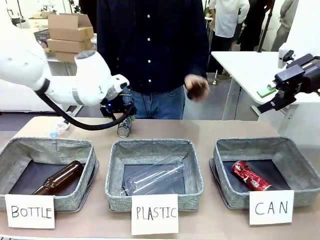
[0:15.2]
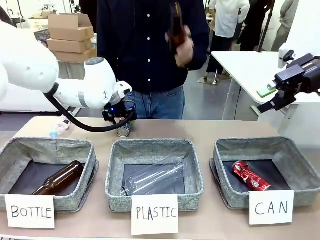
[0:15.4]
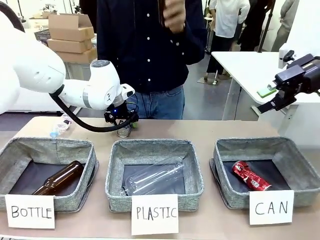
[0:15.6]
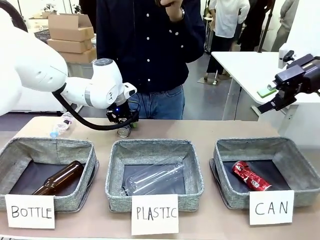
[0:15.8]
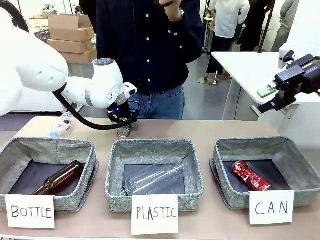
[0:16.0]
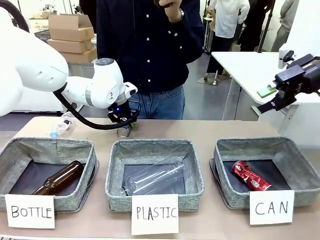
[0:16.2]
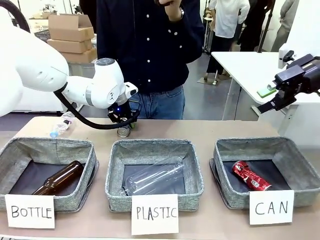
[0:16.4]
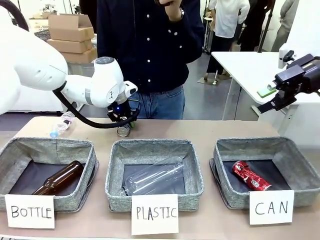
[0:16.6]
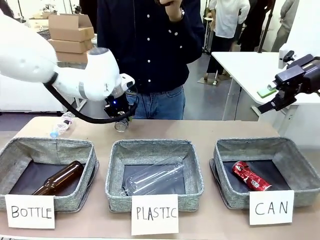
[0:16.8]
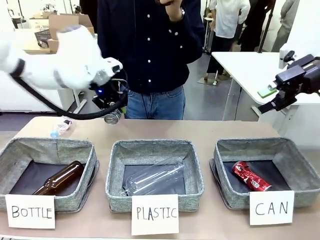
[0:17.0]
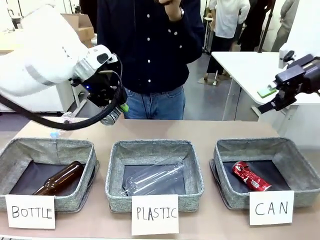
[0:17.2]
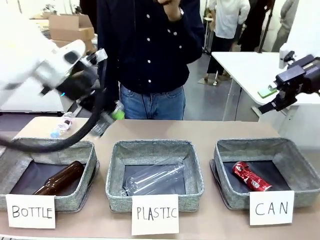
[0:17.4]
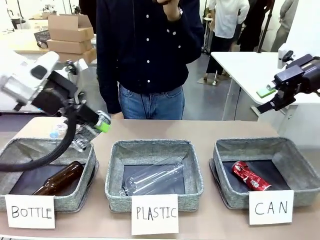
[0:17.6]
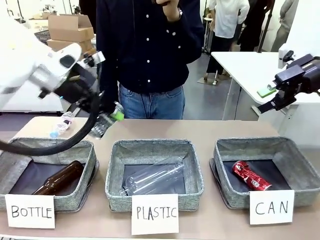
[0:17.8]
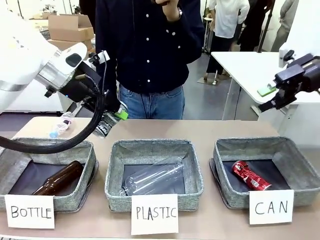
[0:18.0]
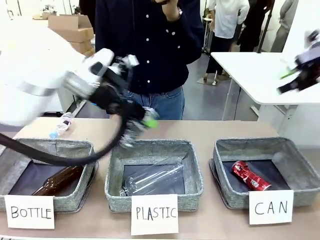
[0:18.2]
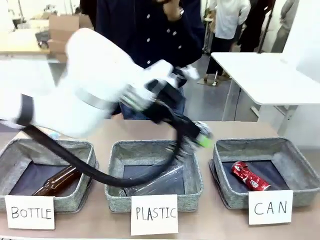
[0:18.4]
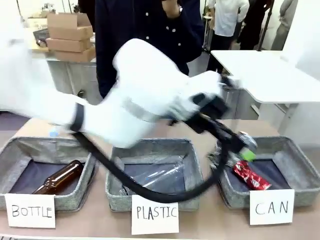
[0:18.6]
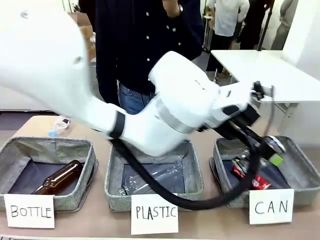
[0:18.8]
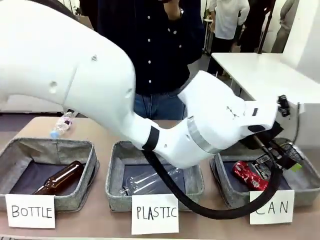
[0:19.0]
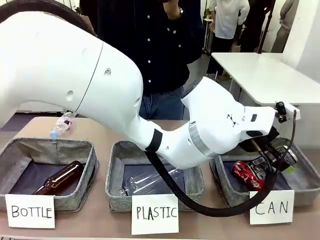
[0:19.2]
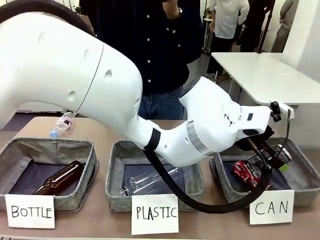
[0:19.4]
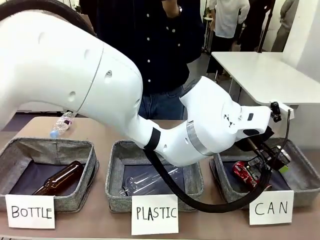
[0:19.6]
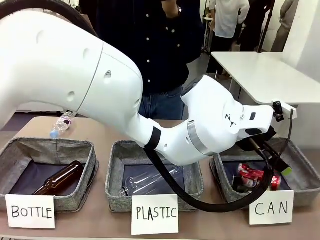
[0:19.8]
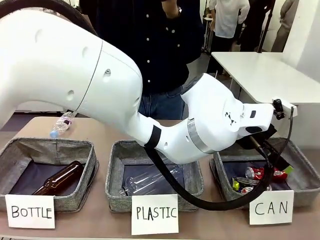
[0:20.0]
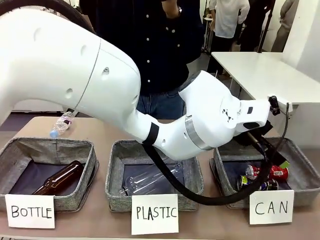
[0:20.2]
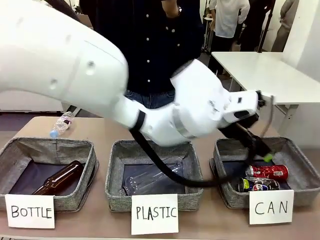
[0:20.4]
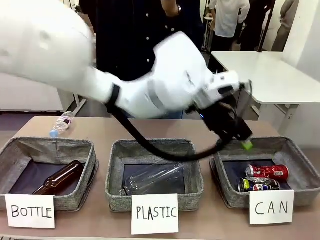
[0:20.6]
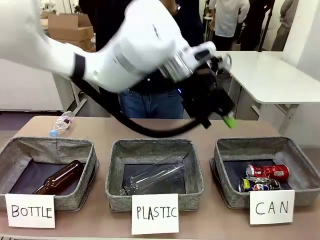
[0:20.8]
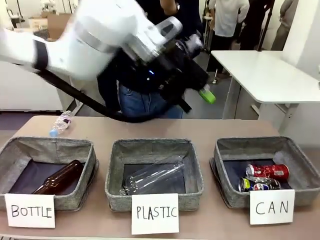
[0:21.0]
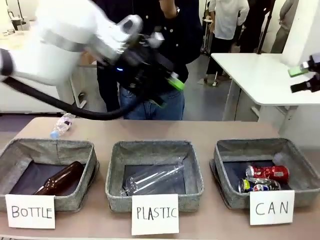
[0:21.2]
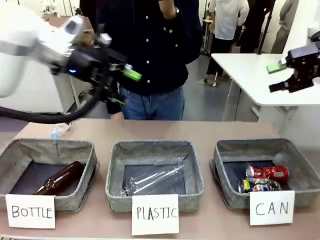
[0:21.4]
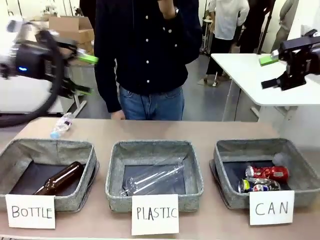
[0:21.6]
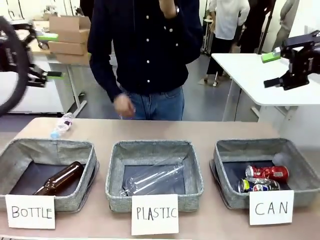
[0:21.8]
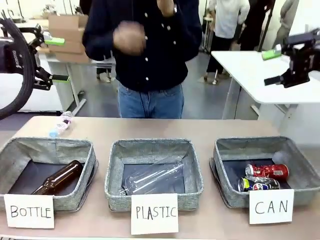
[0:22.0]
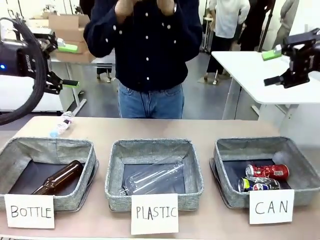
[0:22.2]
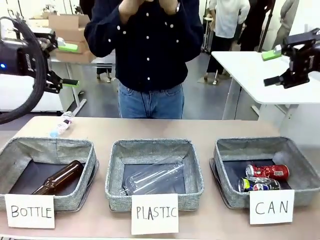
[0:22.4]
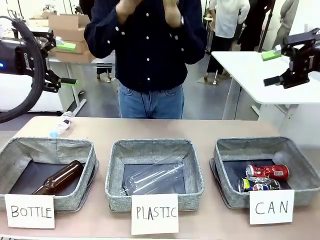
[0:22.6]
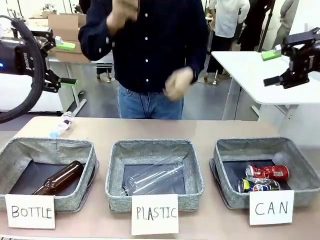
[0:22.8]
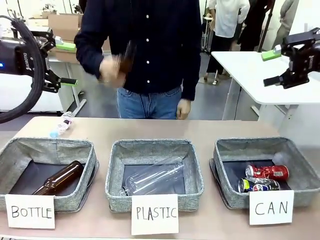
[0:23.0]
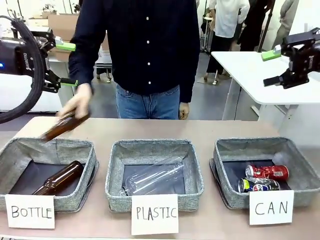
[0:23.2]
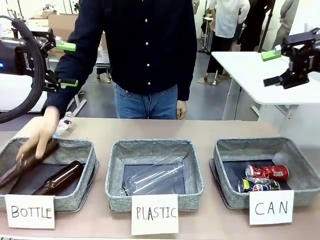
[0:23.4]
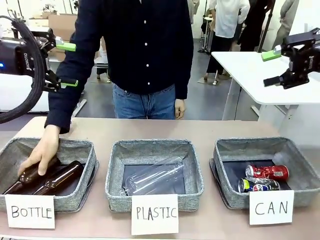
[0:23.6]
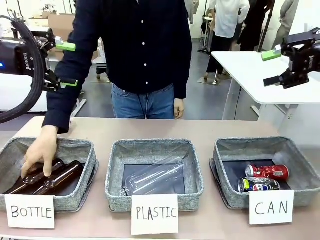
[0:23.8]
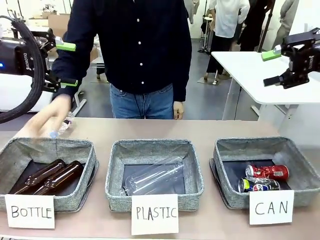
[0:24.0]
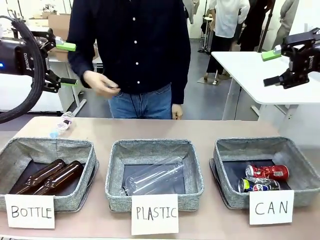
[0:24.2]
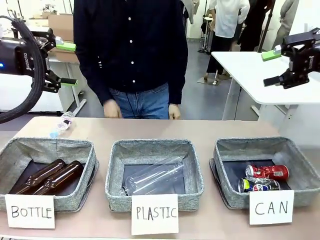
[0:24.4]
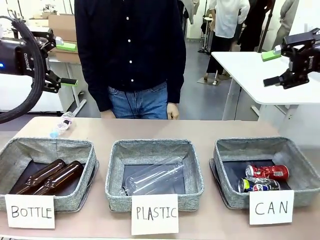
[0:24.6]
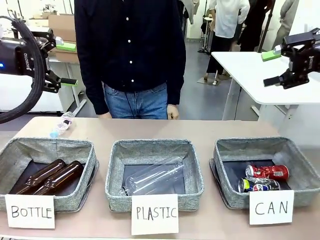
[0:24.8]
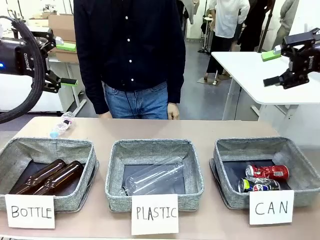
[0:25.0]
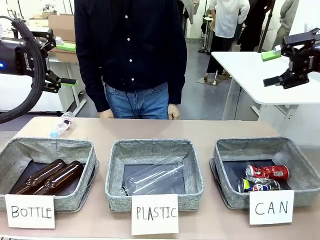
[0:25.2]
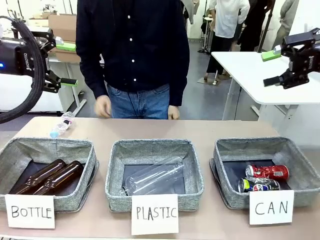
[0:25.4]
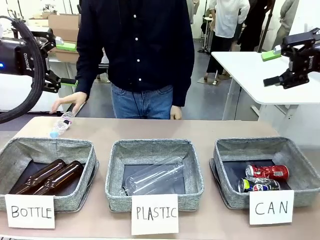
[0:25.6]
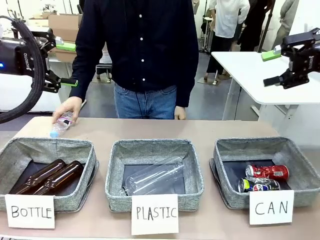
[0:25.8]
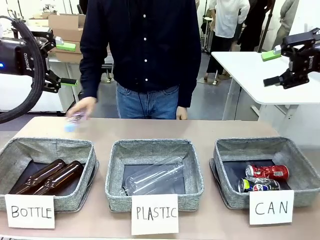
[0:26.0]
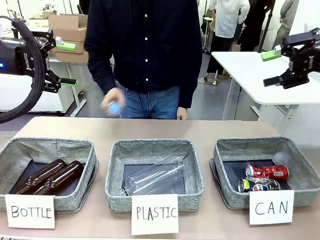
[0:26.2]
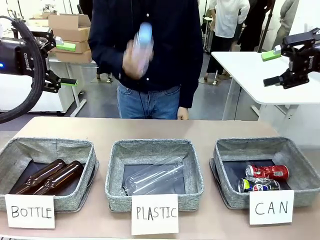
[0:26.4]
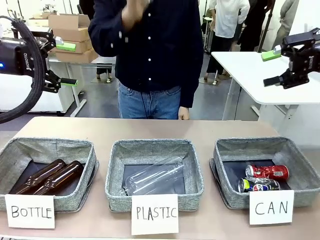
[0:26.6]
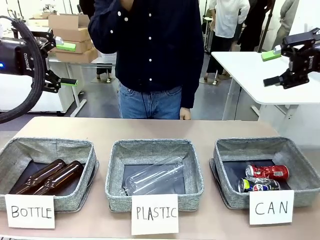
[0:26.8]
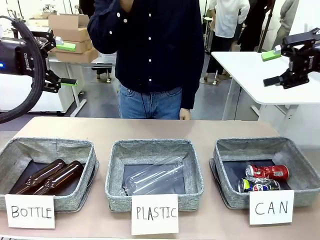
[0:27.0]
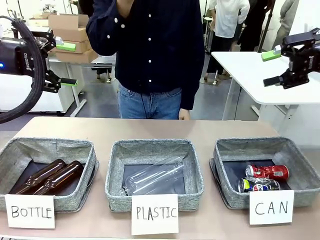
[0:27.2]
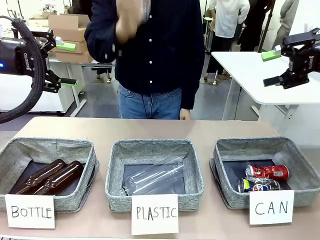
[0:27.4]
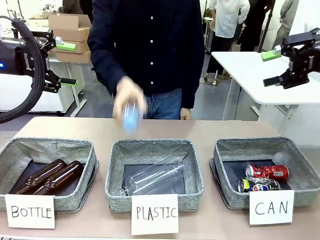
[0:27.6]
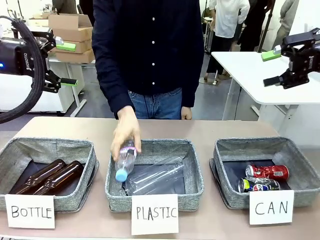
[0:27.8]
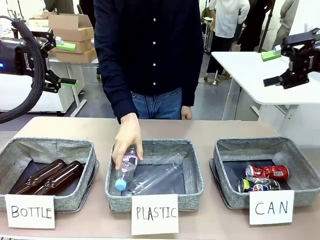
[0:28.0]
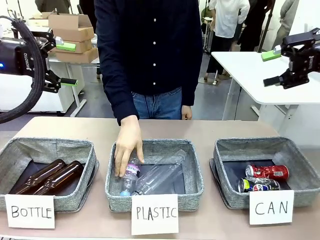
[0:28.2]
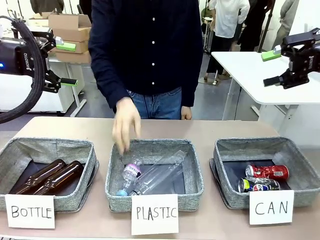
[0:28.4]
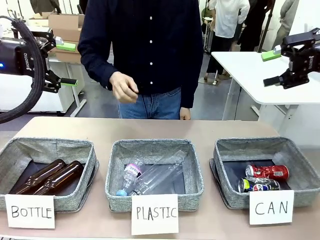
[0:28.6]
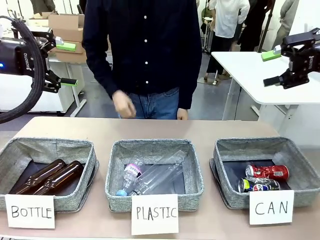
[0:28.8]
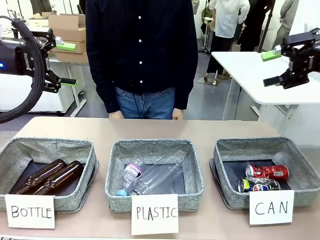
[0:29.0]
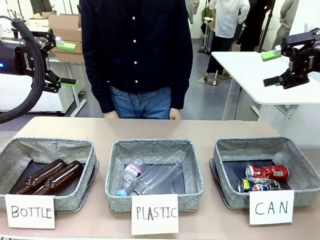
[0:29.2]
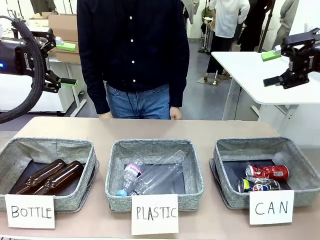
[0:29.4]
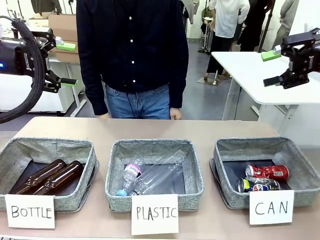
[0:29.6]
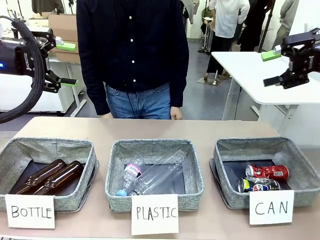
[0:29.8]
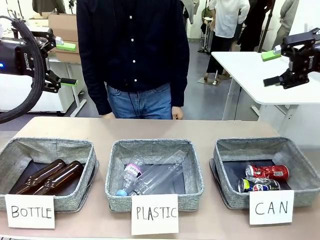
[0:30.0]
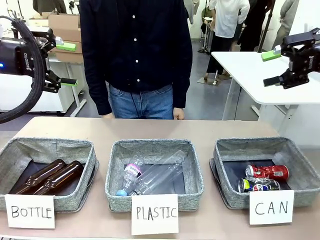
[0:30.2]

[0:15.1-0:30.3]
Task: Sort the can waste into the basket.
Robot: Pick up the can waste from the table and place it in the right Fabric basket.
Person: The human picks up one piece of trash that is not a can and places the trash into the appropriate organizing basket.
